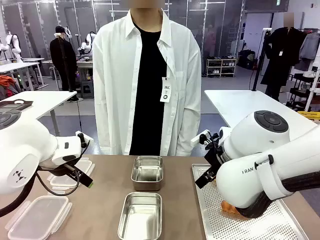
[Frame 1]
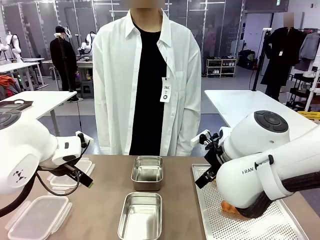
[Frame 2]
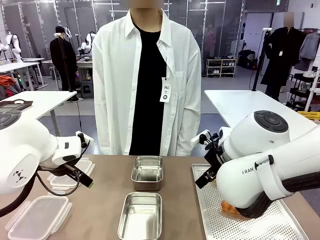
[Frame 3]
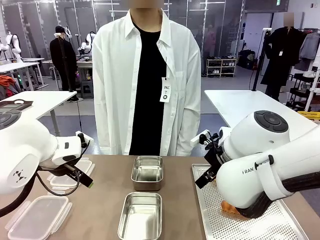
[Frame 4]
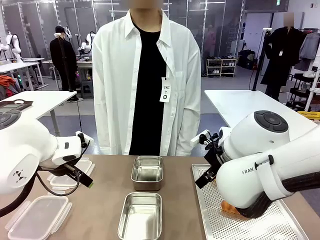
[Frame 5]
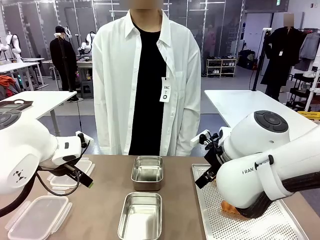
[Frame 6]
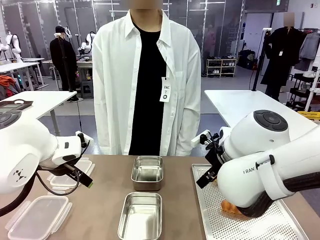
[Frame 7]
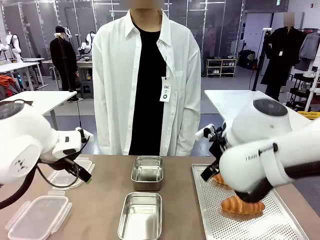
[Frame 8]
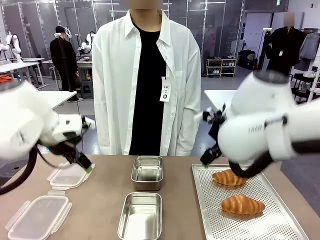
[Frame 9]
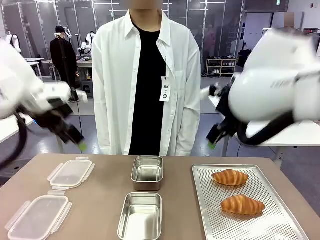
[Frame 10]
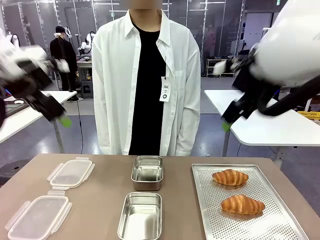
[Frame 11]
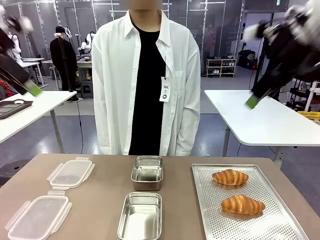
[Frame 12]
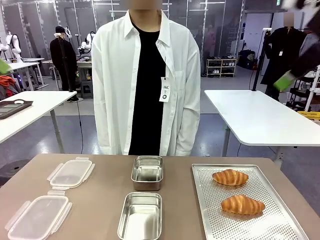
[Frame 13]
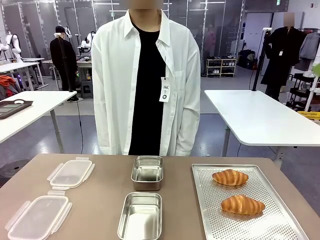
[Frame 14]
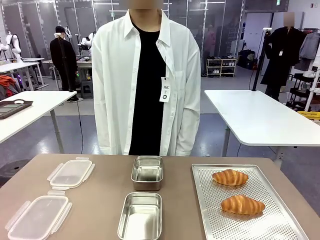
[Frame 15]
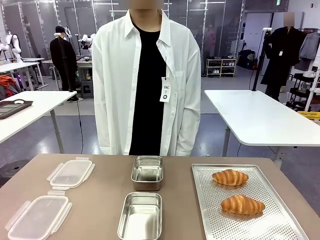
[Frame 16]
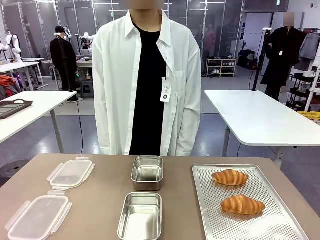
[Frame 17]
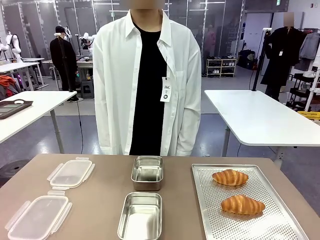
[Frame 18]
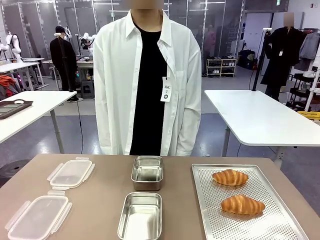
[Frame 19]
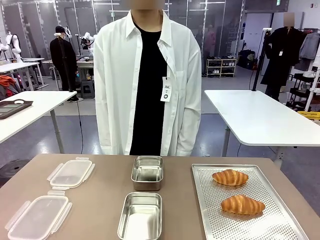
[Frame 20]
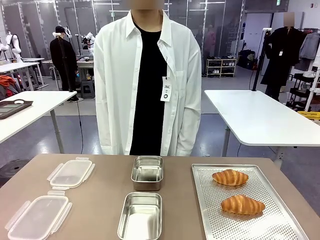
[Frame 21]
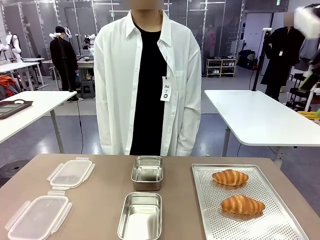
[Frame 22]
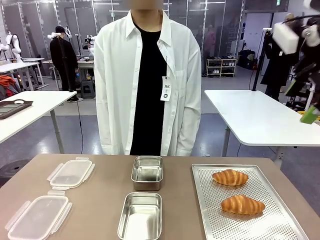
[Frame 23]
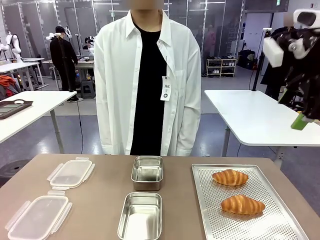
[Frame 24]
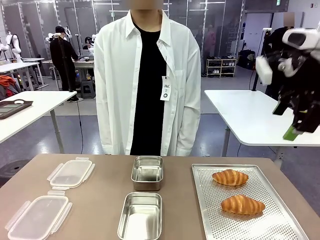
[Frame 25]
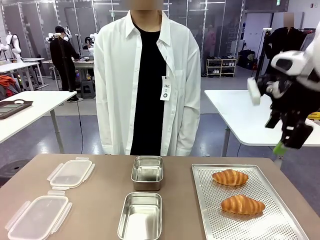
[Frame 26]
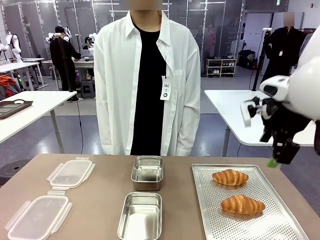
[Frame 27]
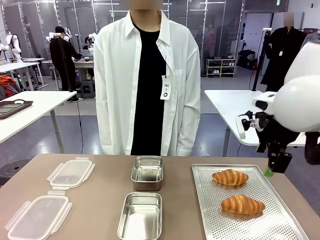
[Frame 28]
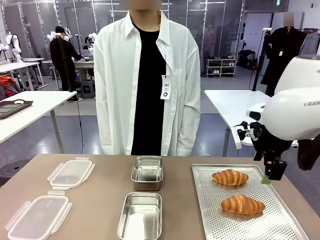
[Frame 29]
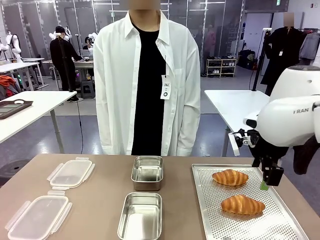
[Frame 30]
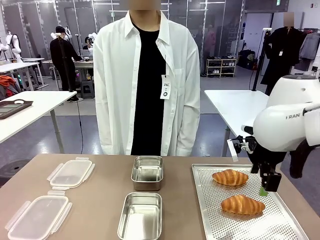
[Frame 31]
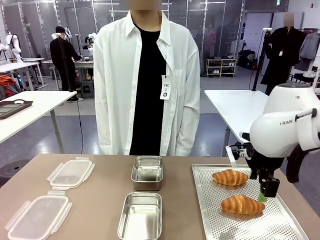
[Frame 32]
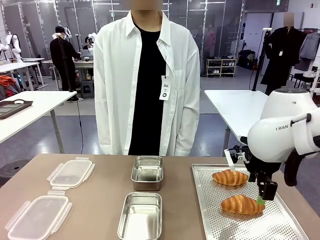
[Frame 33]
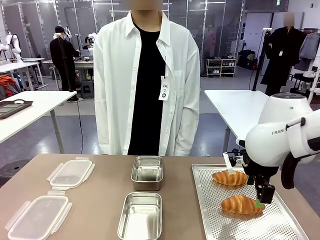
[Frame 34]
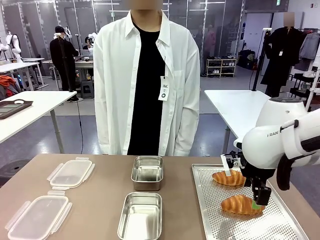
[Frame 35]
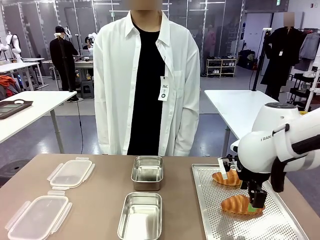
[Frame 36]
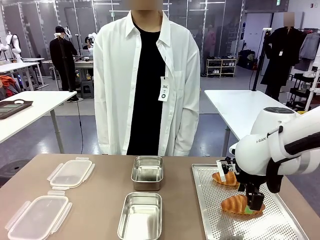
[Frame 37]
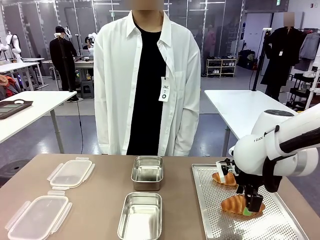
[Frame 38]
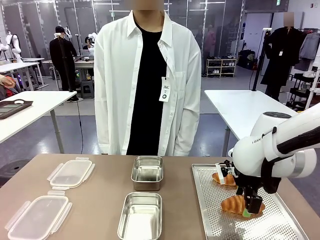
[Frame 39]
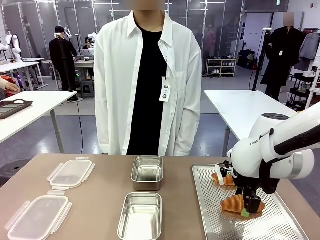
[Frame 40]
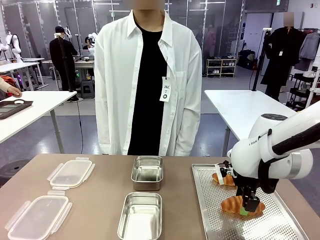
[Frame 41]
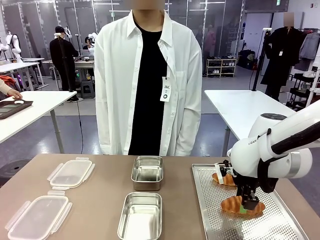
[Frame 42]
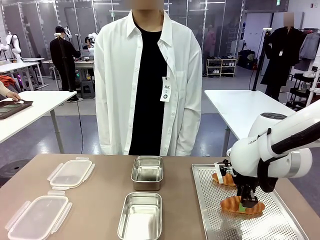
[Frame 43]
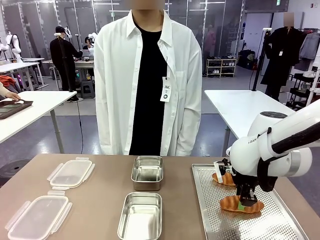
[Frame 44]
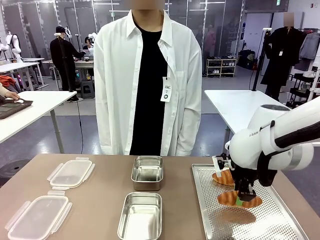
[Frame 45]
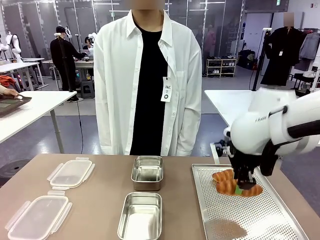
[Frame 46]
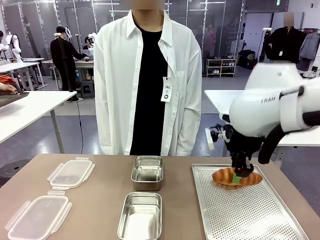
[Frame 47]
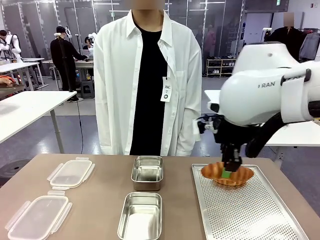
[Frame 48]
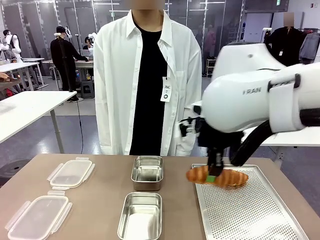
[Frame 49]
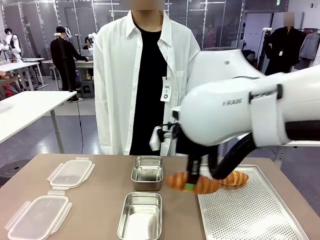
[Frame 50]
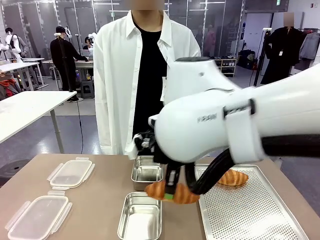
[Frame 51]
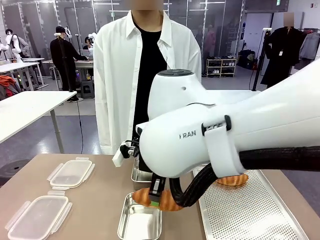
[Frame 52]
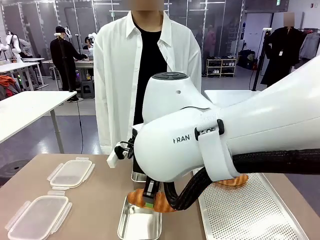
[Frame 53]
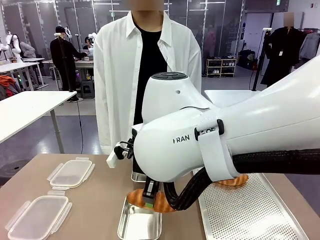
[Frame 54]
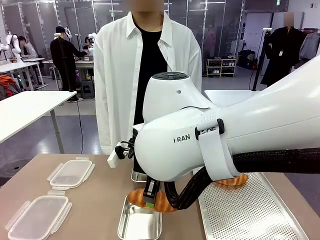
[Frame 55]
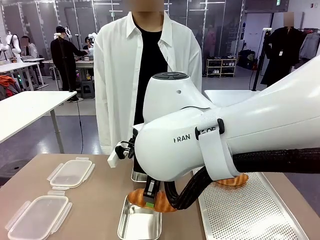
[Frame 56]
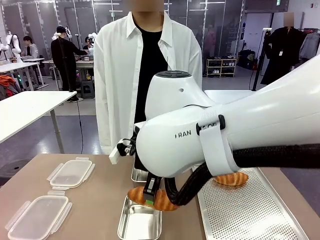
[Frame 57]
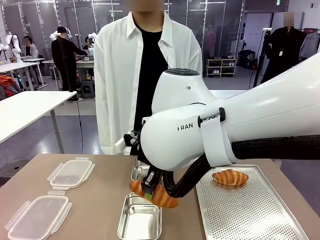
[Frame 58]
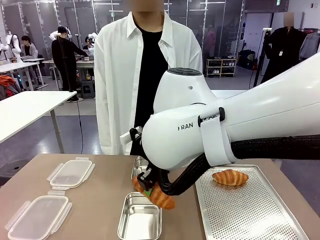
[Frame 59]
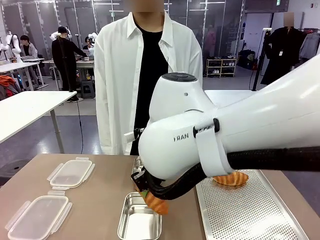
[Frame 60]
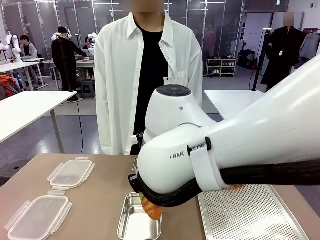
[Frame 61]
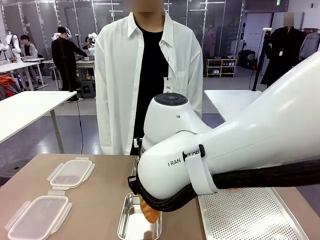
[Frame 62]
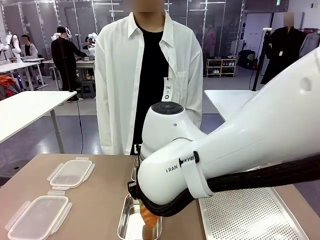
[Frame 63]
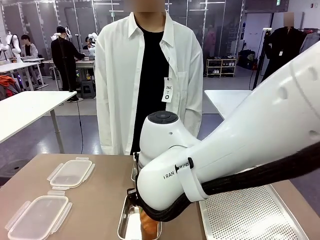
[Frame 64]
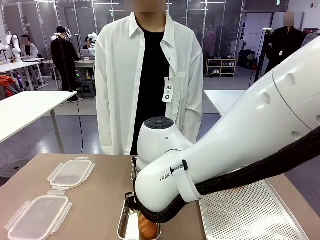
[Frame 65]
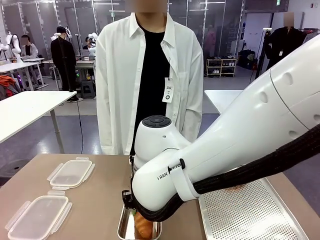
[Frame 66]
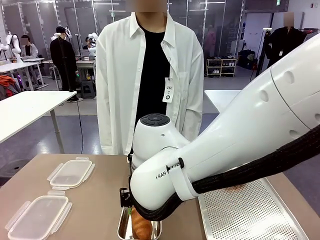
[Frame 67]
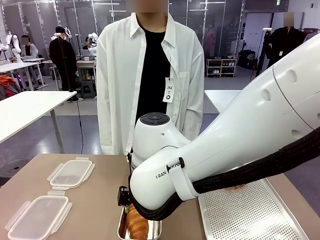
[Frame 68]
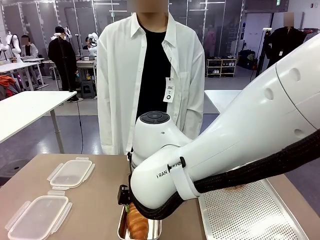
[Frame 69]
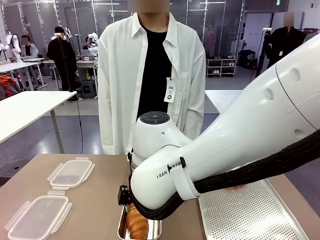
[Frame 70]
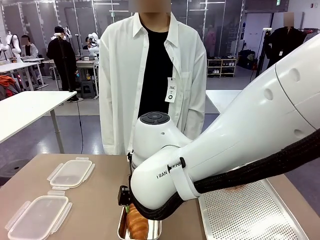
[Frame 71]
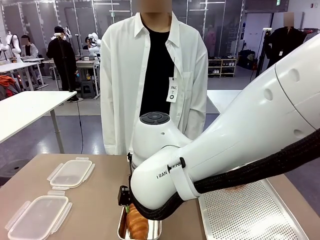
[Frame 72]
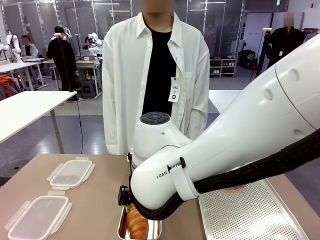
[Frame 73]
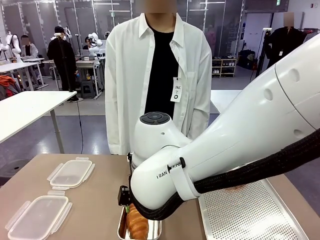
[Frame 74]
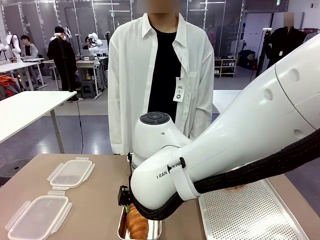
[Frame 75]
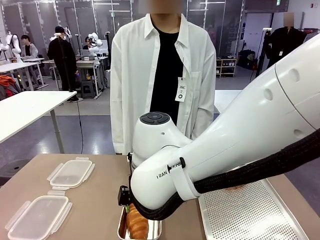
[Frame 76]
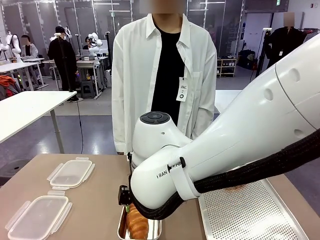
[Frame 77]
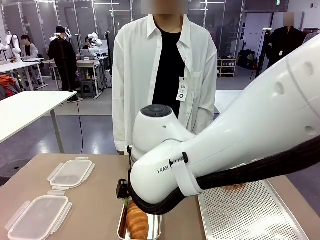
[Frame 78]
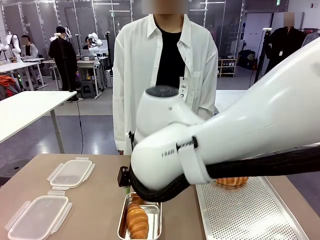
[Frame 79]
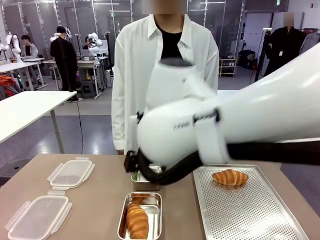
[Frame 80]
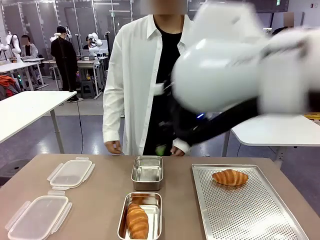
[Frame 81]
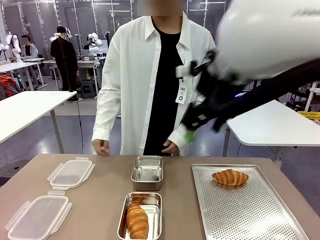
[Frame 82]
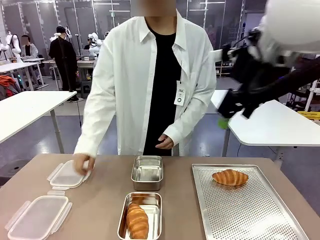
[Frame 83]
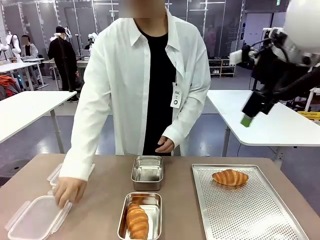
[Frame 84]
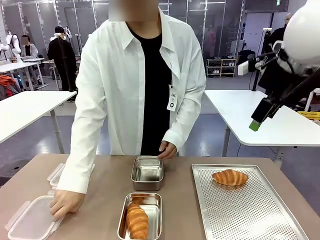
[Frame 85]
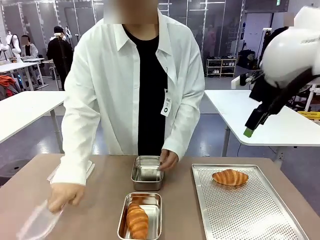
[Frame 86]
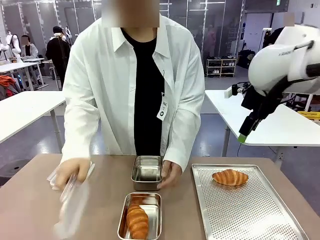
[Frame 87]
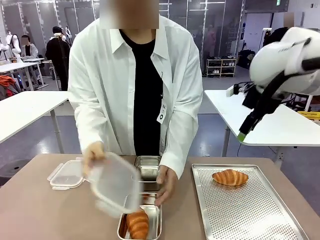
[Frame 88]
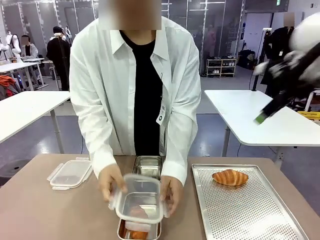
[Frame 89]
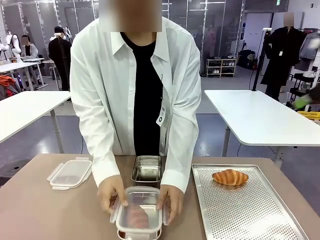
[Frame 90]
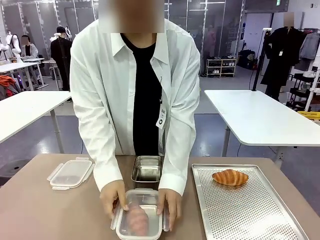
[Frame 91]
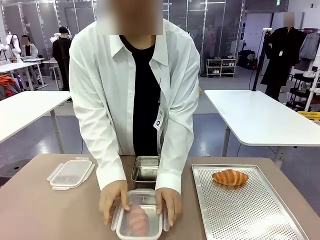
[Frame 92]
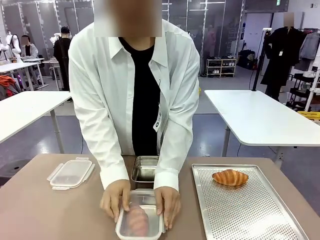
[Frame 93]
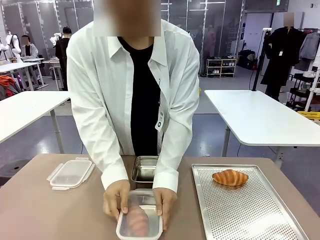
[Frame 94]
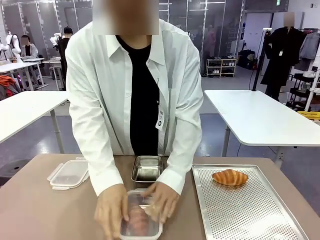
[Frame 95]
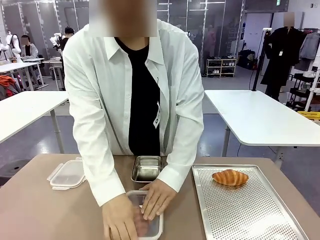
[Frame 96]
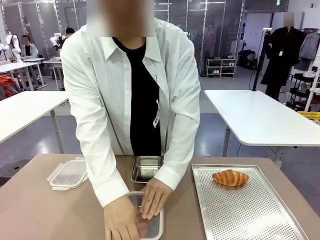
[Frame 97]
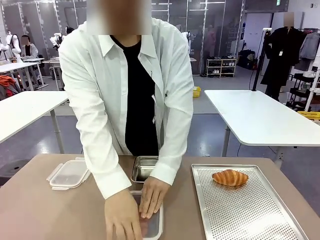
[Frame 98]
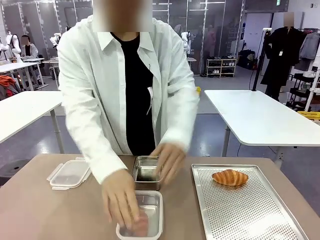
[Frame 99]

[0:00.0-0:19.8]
Task: Place the bread into the airtight container.
Robot: Pick up a Butter Roll and place it into an empty Airtight Container.
